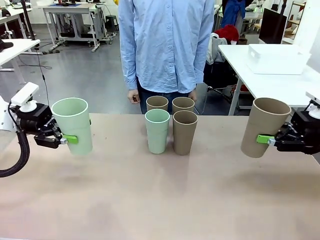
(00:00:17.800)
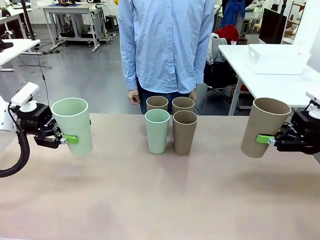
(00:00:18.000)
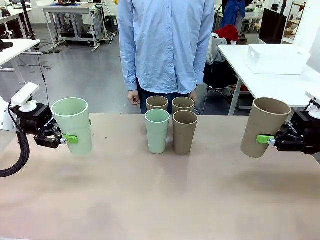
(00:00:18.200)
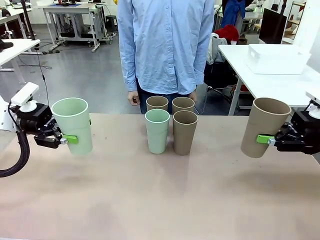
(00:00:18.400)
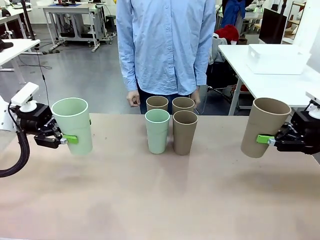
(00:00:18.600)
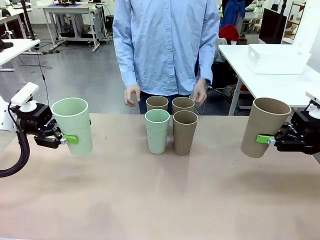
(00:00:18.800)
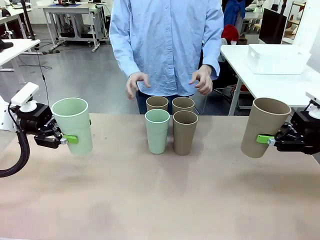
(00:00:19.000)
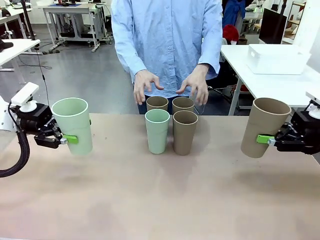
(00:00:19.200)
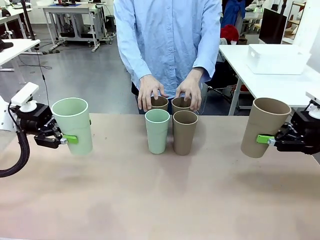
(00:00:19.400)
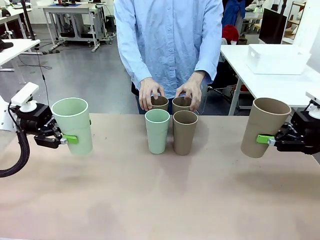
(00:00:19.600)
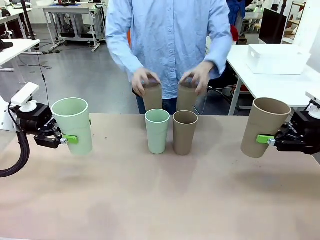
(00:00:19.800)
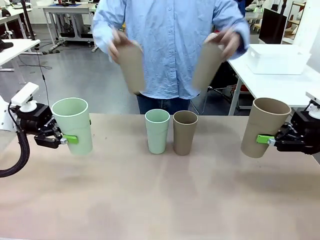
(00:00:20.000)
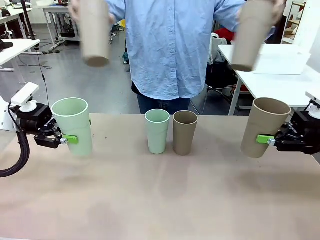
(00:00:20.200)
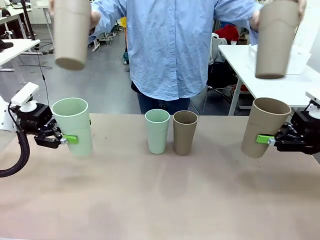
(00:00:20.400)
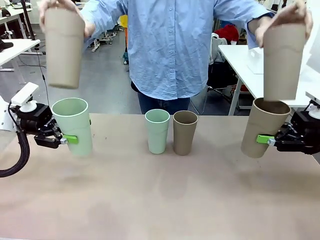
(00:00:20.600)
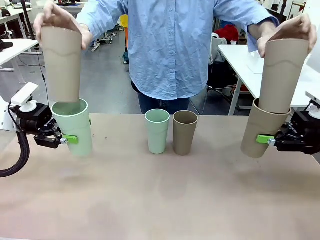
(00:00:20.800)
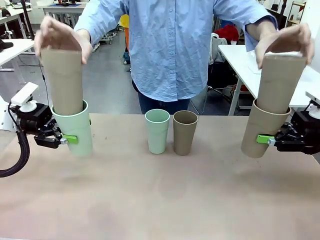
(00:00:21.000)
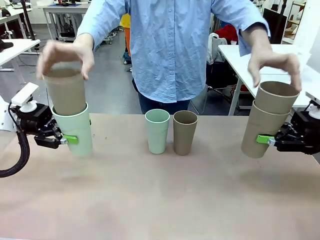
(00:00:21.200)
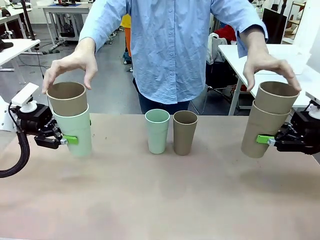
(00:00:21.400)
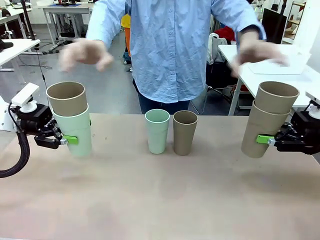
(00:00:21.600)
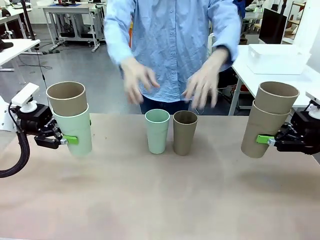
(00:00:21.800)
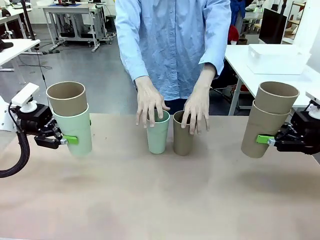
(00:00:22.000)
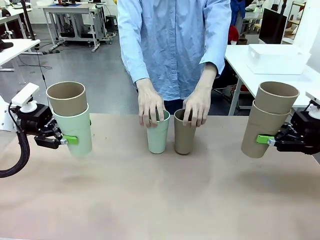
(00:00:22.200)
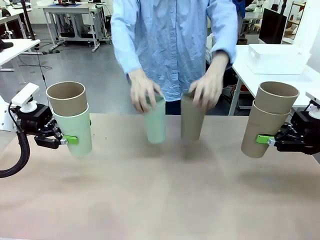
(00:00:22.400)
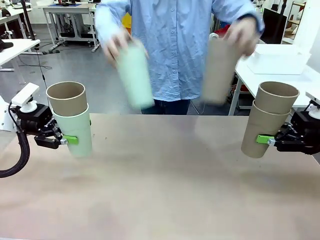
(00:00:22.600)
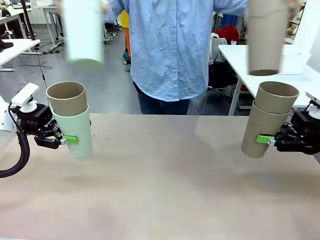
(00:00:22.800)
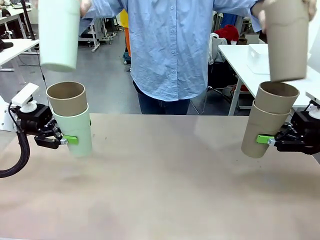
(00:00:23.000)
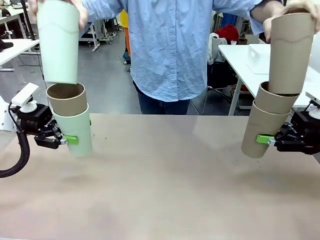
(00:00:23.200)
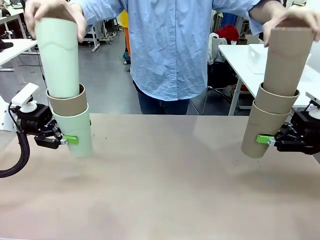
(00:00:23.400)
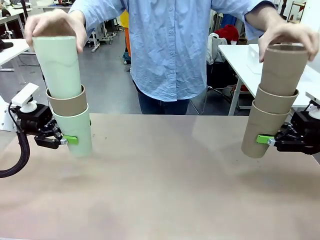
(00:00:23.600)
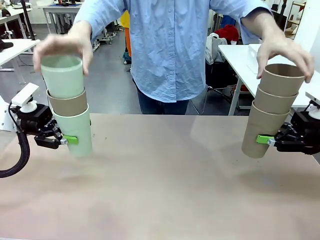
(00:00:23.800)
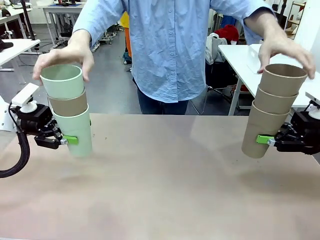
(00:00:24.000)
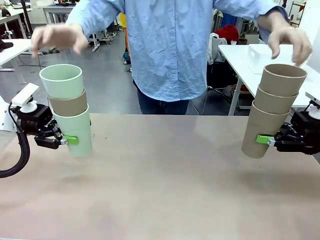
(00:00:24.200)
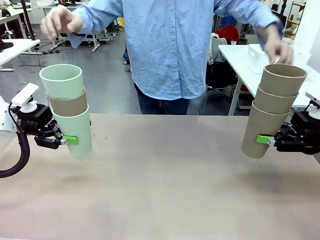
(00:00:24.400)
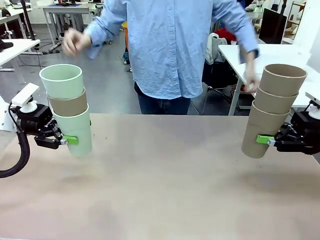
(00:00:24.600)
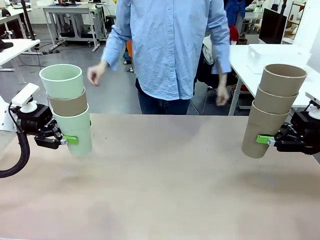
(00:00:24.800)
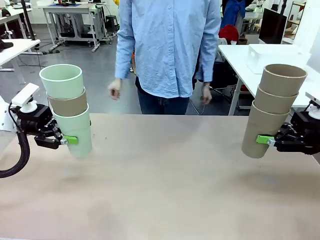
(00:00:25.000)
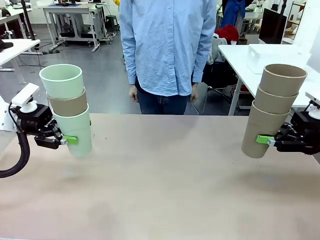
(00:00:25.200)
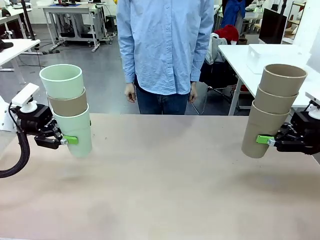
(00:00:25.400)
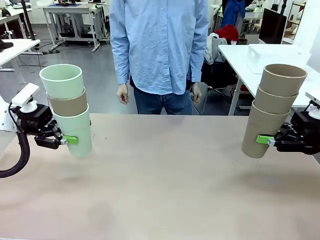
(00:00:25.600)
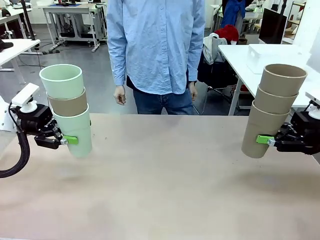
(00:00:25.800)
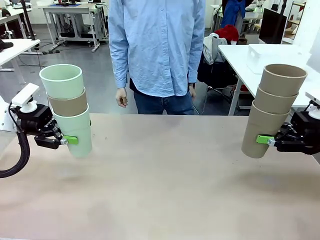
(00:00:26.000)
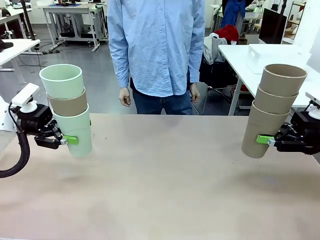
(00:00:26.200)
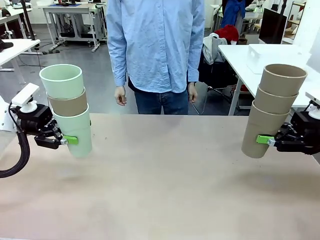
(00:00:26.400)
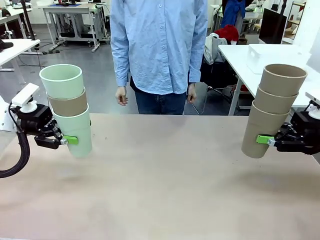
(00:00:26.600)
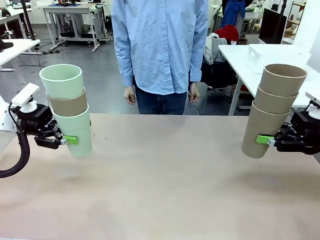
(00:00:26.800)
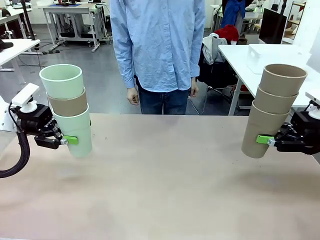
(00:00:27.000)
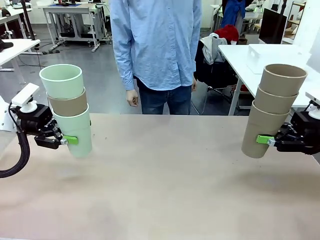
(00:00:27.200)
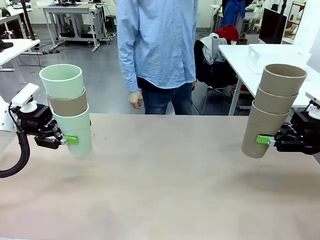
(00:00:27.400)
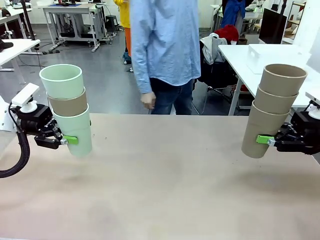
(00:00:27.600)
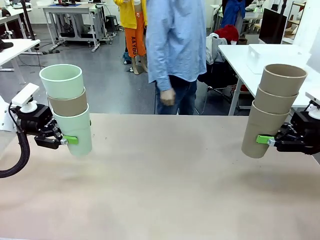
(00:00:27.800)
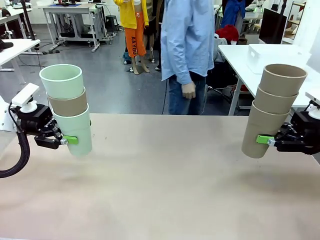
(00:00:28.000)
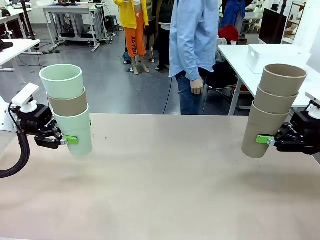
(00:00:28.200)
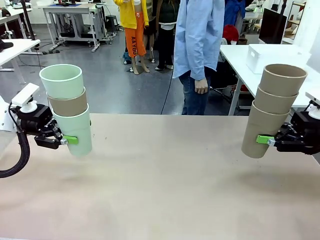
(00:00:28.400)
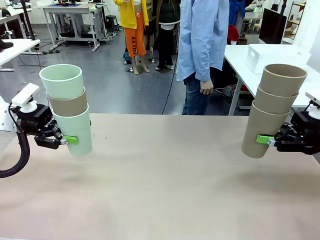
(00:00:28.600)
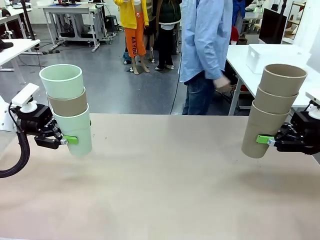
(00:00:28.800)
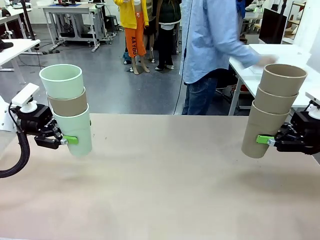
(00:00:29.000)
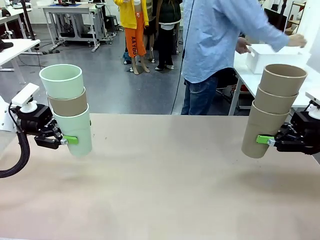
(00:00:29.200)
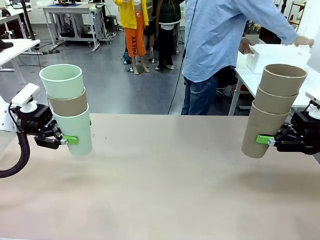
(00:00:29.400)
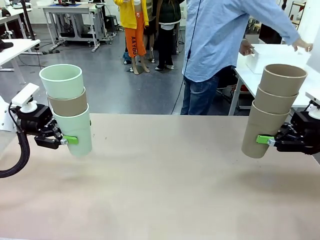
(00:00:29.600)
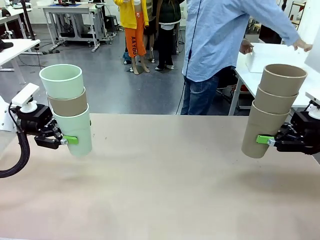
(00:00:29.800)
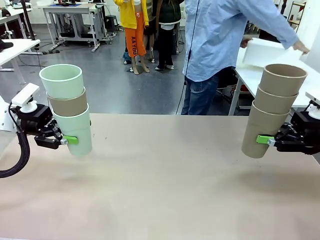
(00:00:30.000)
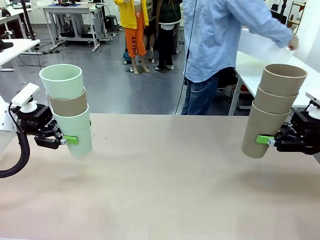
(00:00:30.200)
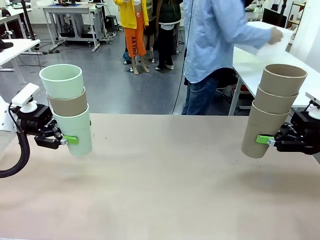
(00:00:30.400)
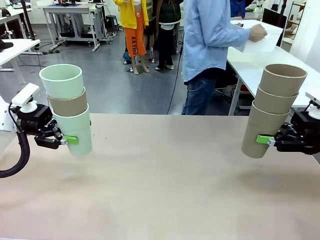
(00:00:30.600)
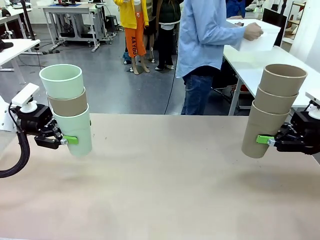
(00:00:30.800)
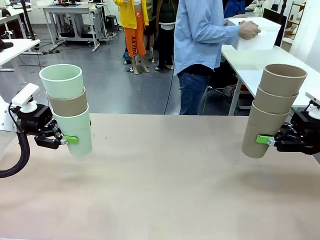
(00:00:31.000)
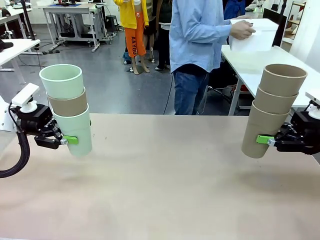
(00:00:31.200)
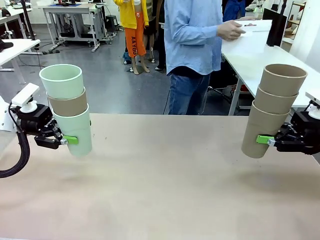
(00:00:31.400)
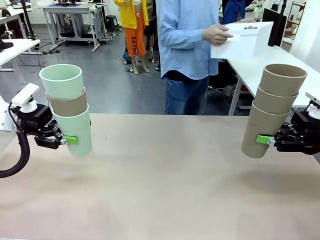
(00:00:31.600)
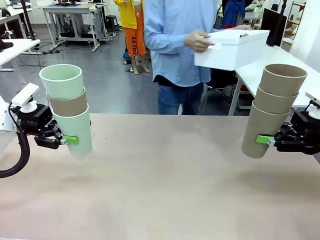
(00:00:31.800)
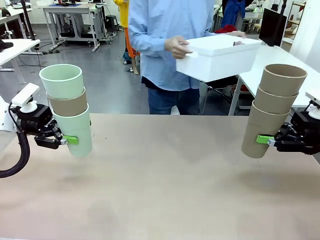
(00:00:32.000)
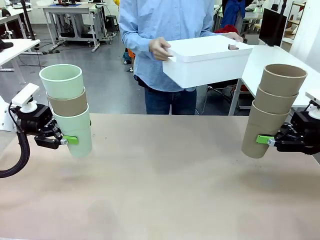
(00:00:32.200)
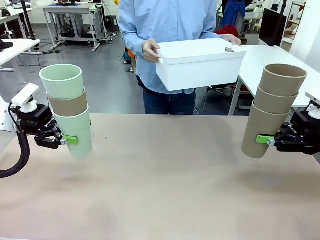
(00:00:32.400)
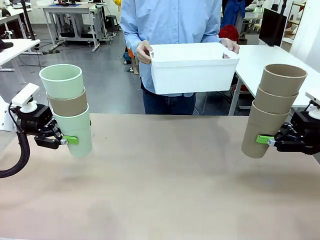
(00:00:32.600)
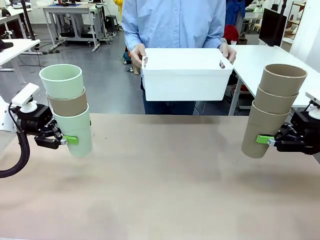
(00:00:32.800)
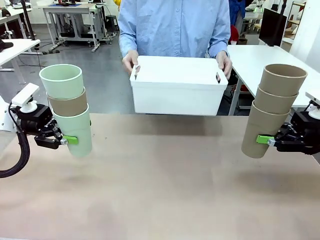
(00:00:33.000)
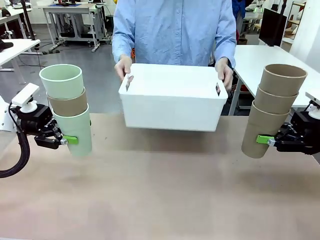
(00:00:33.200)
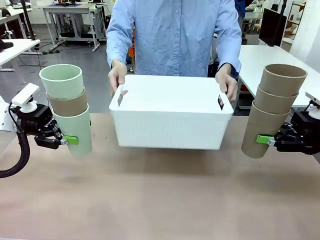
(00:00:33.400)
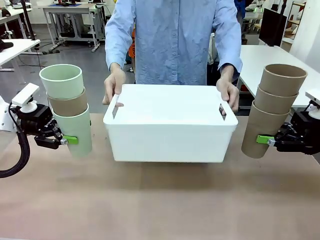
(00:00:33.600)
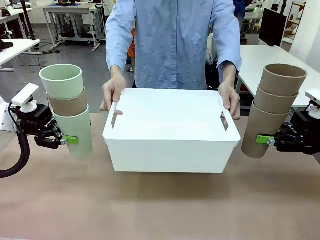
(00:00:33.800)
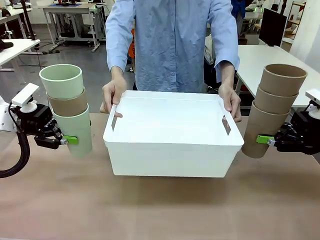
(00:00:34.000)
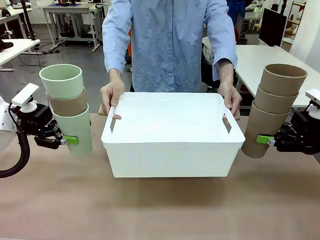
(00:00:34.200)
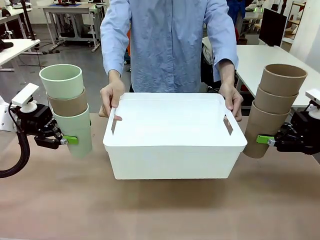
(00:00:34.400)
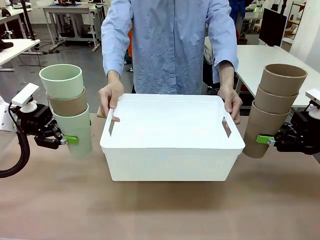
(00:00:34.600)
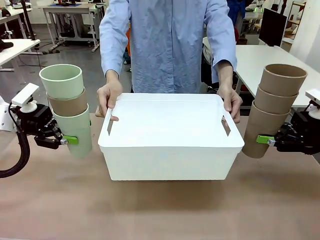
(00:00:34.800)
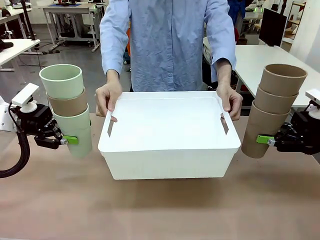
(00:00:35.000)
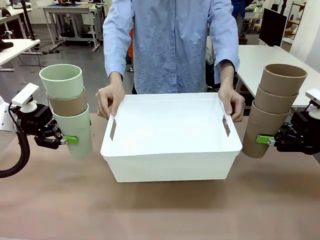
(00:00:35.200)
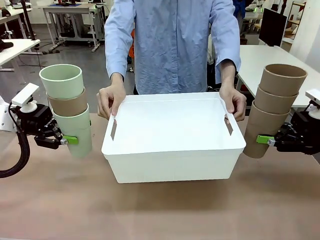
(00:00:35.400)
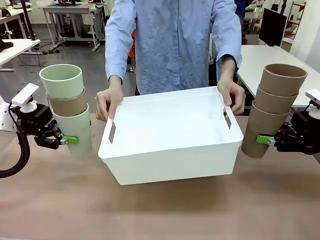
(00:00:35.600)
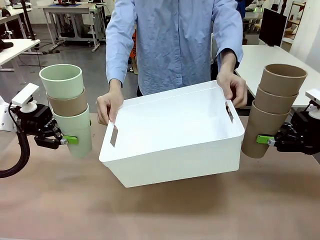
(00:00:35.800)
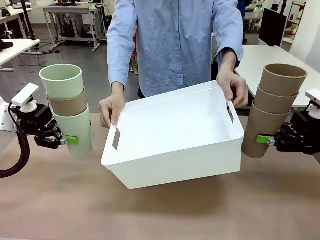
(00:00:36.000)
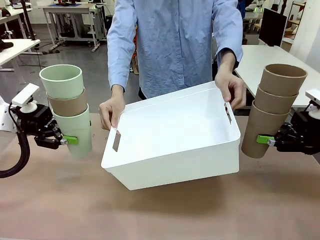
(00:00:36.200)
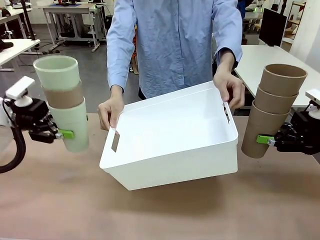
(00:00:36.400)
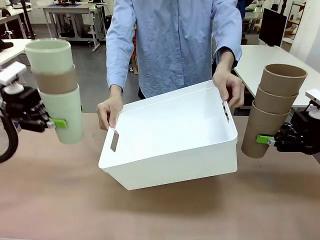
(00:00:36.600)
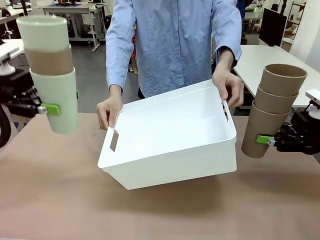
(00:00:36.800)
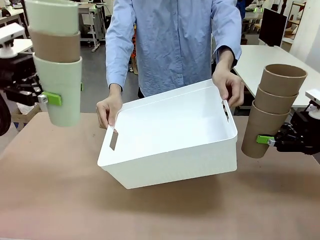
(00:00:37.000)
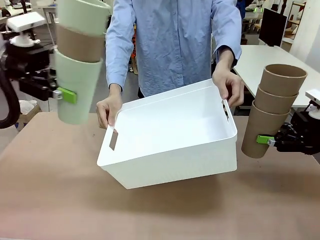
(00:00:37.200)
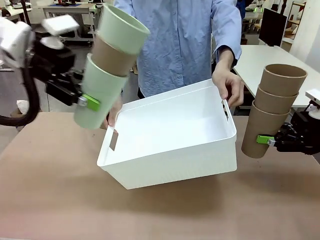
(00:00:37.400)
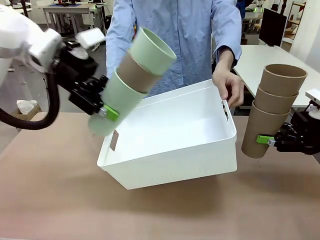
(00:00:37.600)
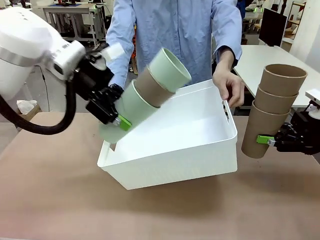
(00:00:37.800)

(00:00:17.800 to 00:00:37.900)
Task: Stack the cups and store them in the basket.
Robot: Place the stack of Reusable plastic cups into the Pantry Basket.
Person: Pick up the basket from the Human Table, bring it to the front of the robot, and present it.
